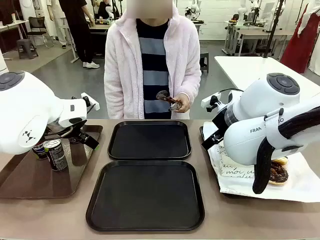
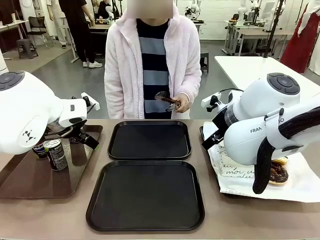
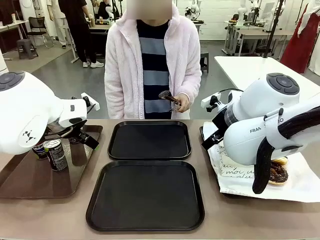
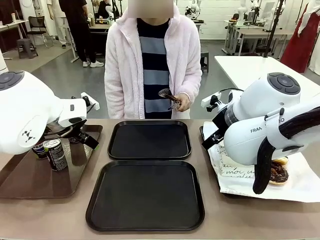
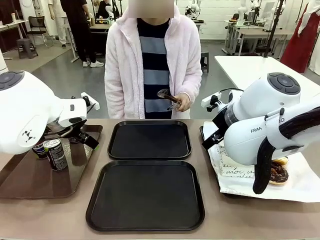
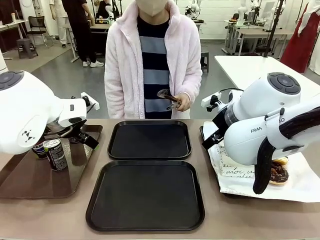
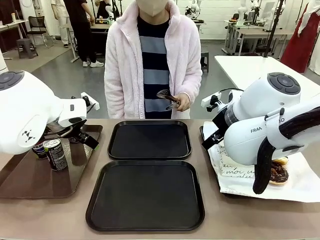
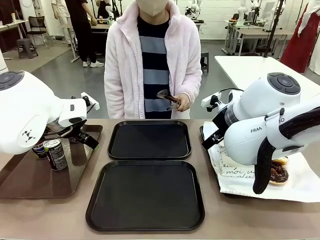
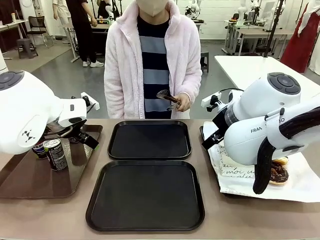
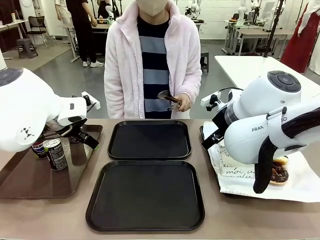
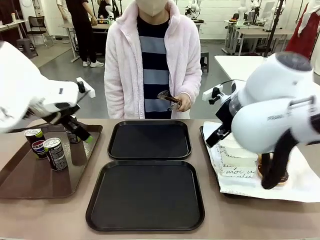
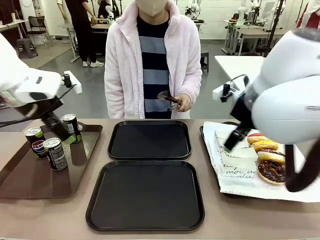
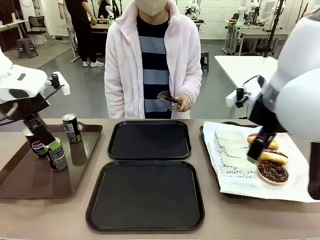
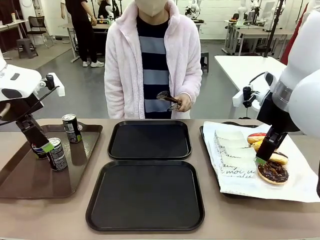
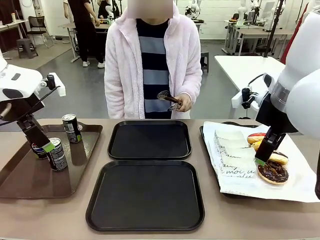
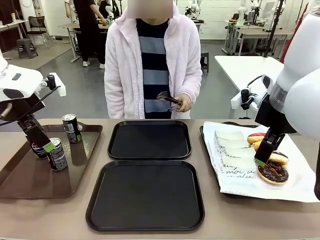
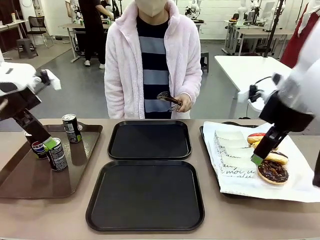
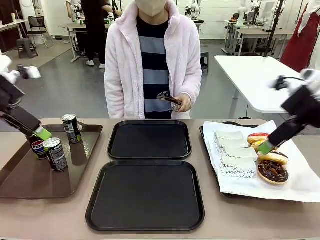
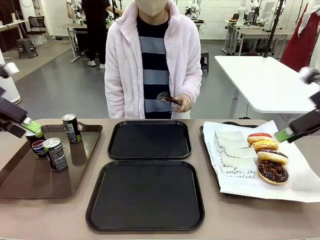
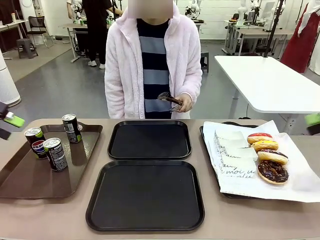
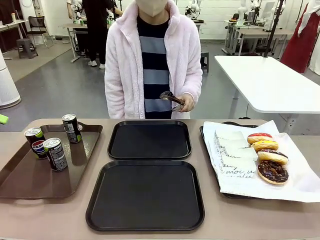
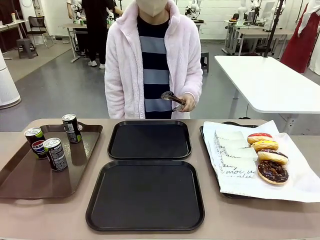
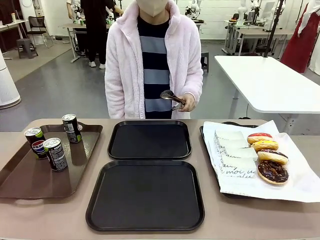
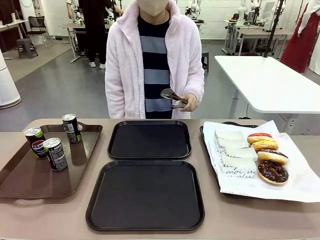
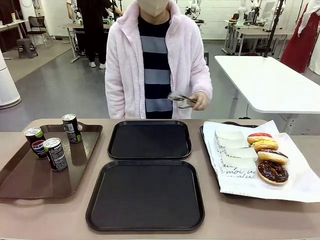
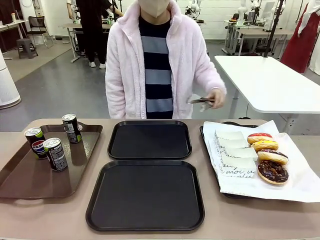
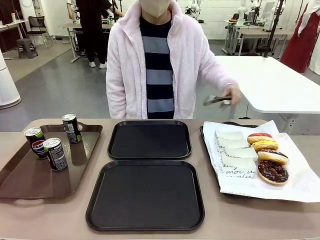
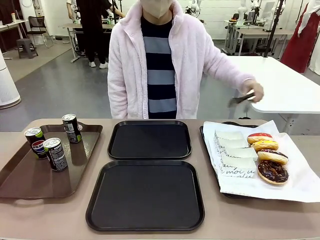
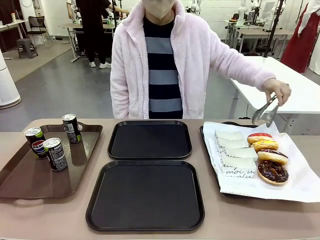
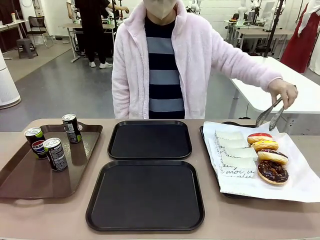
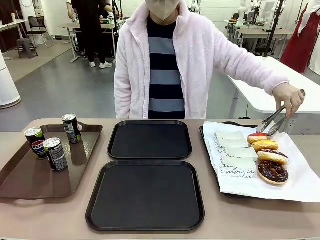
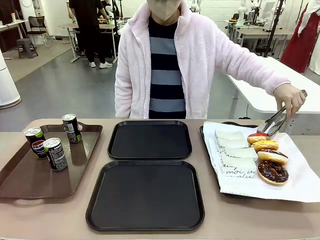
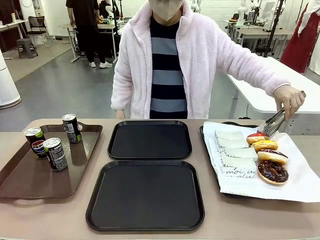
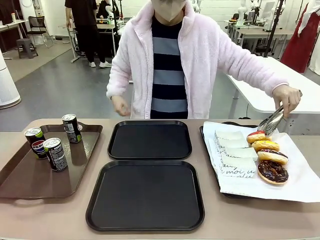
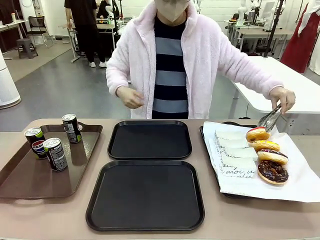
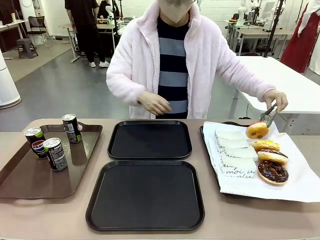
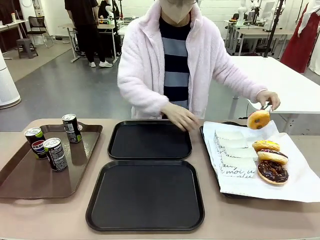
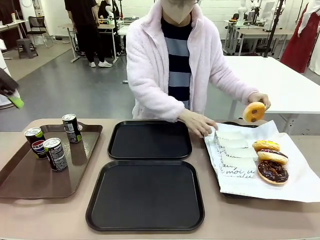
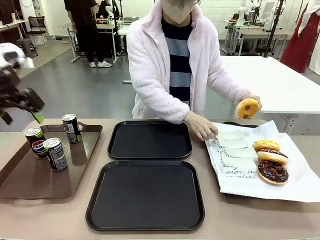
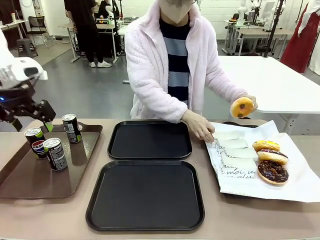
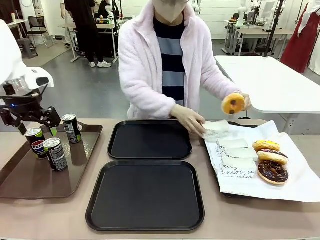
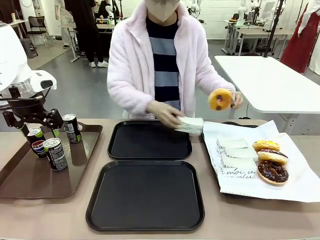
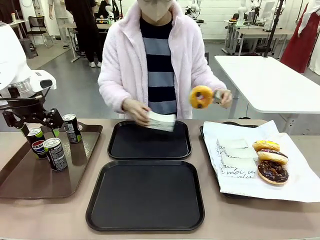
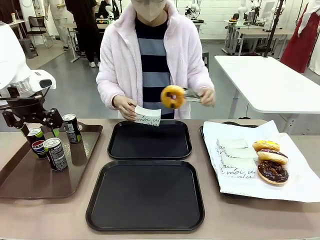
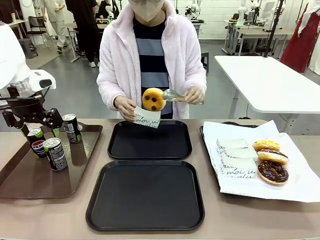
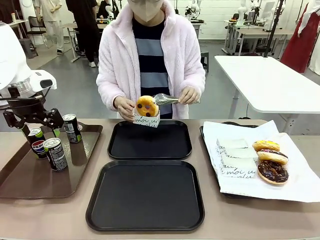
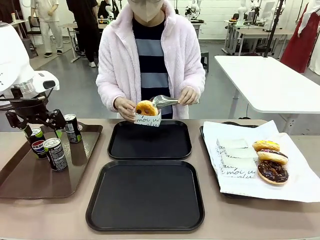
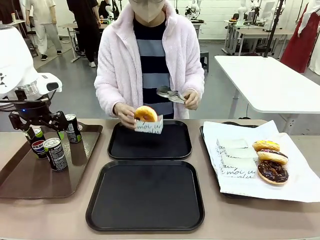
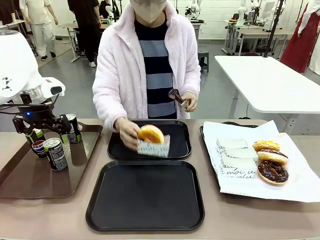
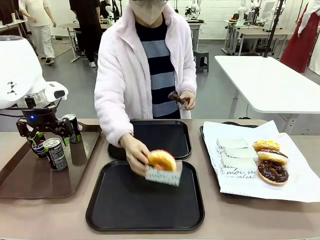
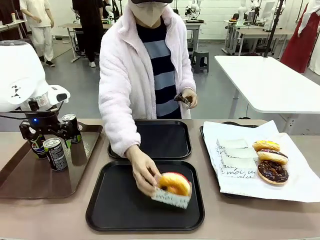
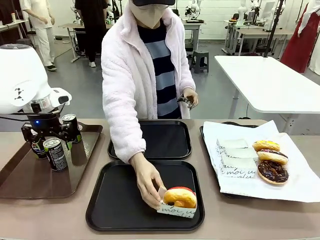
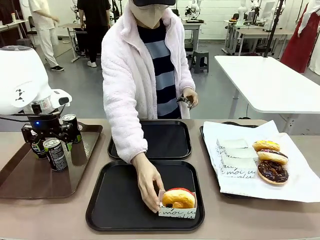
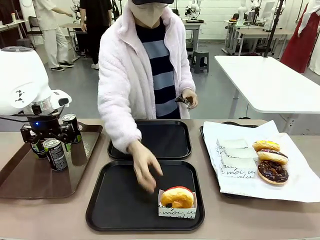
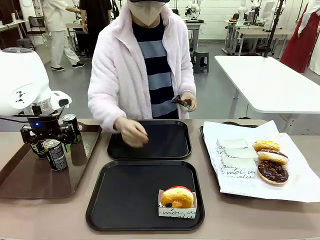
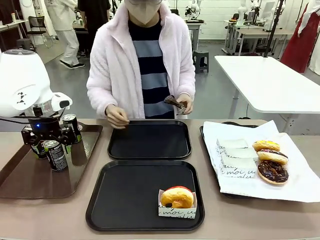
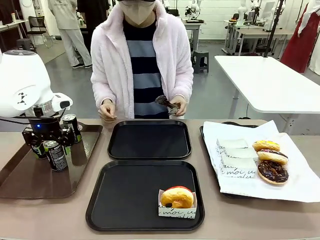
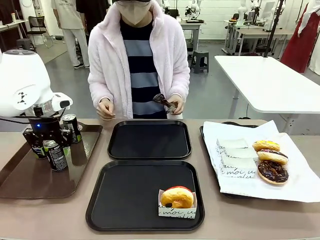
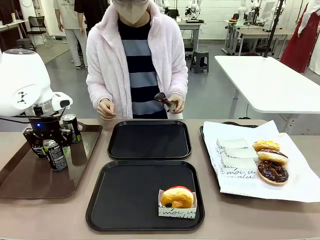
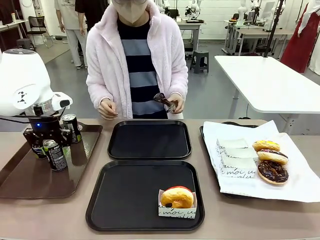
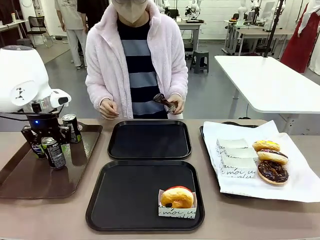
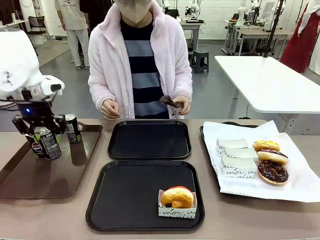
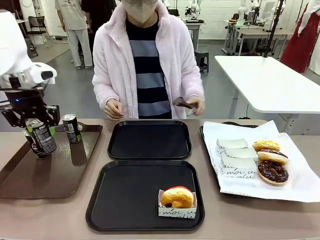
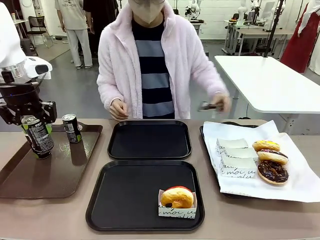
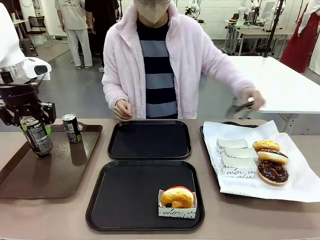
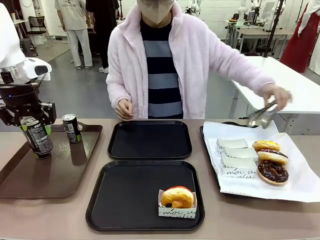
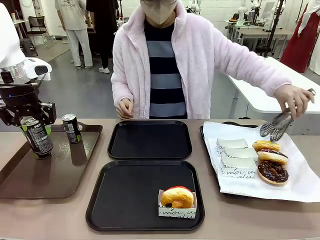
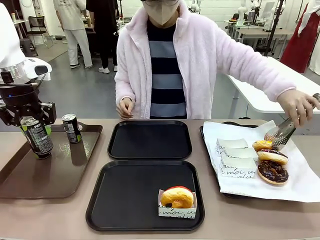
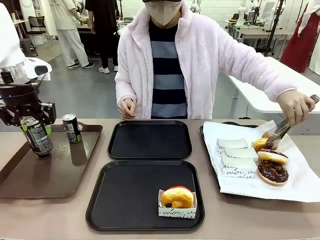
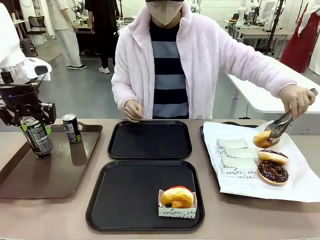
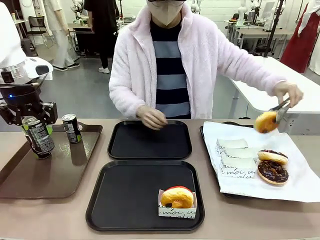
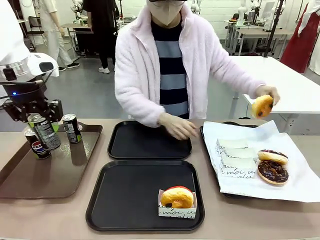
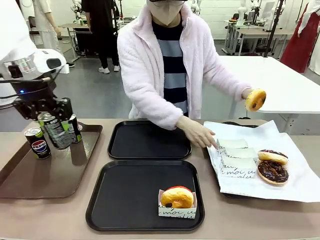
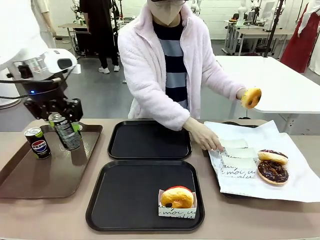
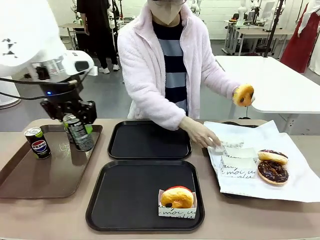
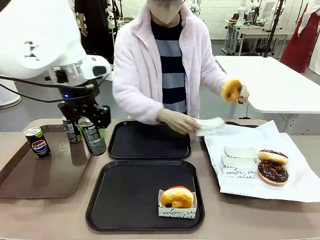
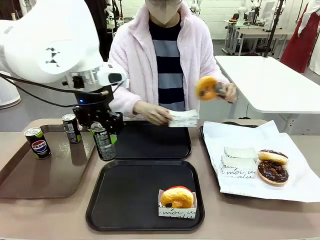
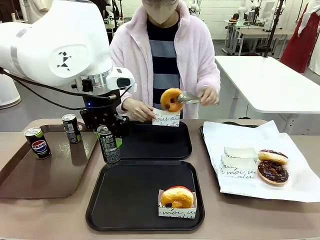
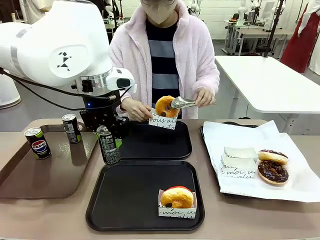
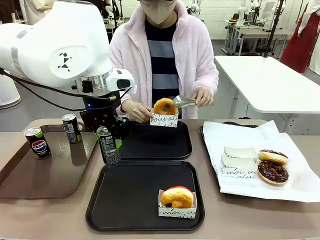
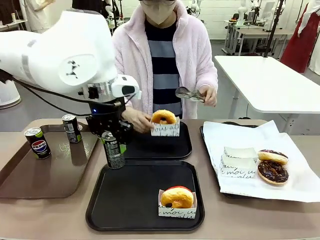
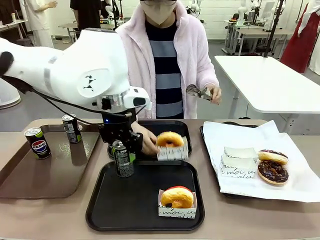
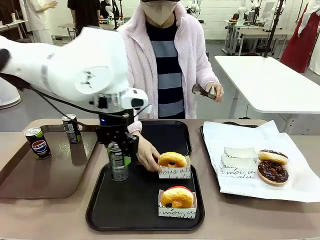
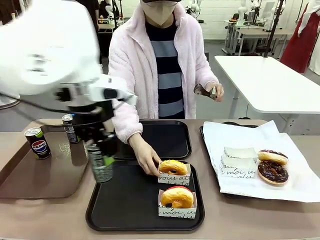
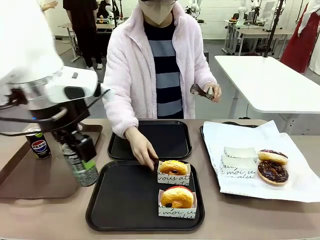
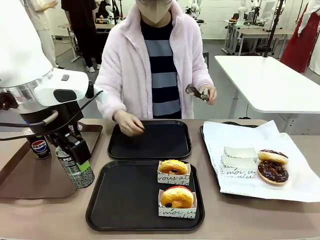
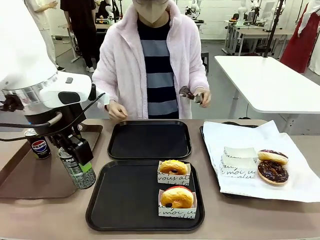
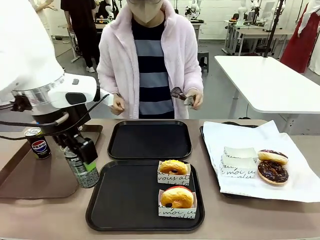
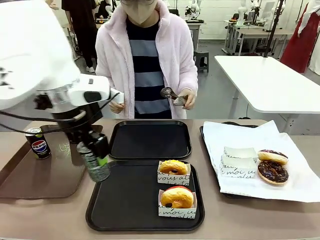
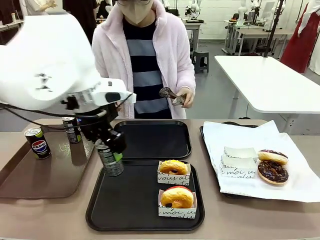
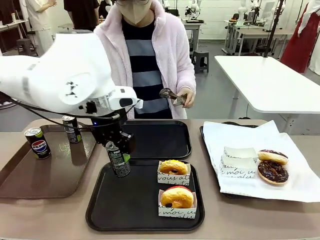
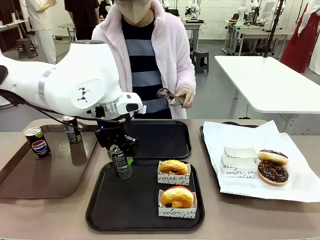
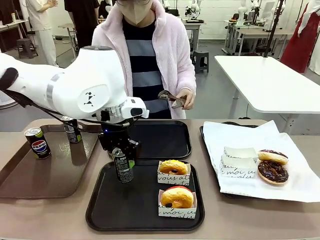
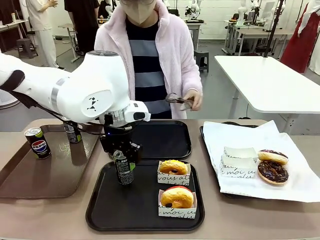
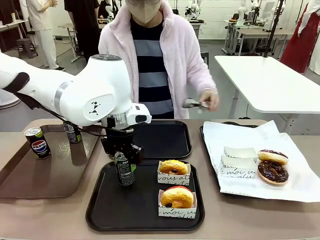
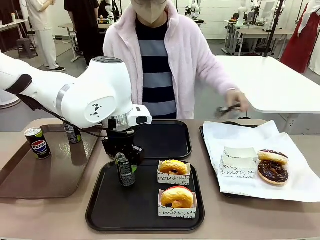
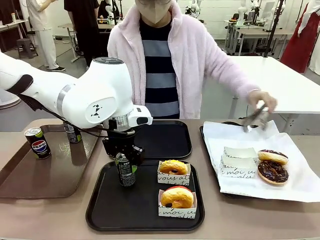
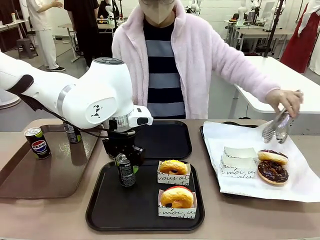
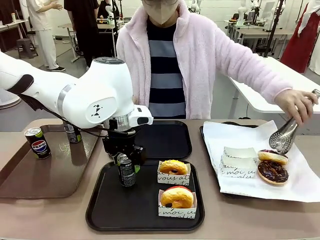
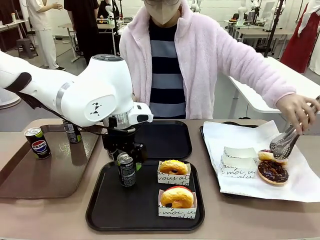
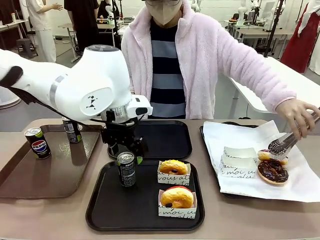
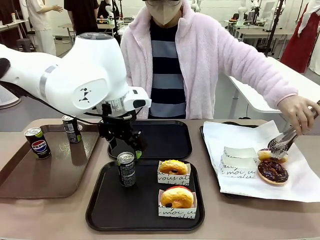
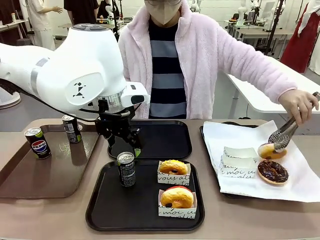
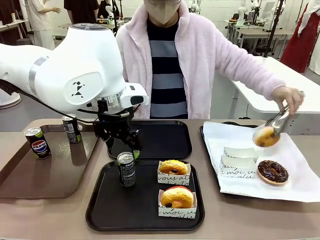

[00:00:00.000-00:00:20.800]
Task: Set up donuts and drinks on trays.
Robot: Pick up one Pepsi coke and place it on the Flat Tray.
